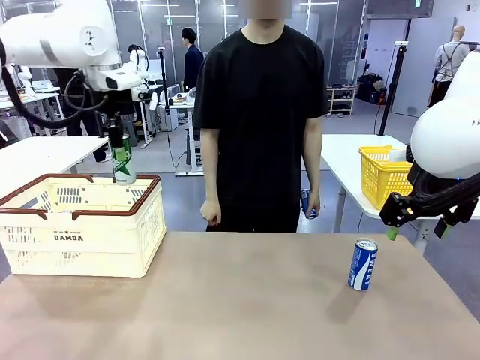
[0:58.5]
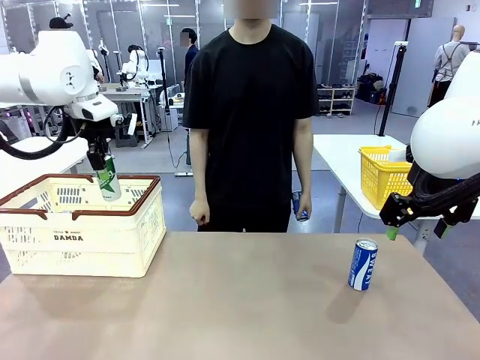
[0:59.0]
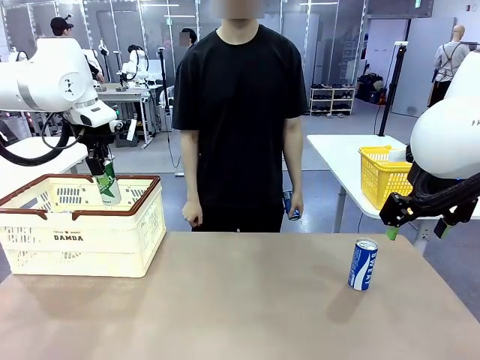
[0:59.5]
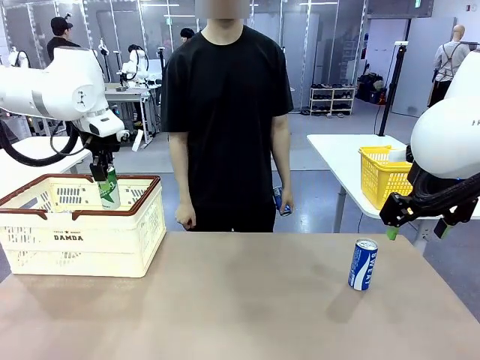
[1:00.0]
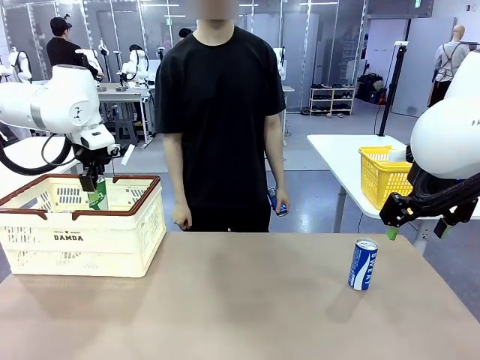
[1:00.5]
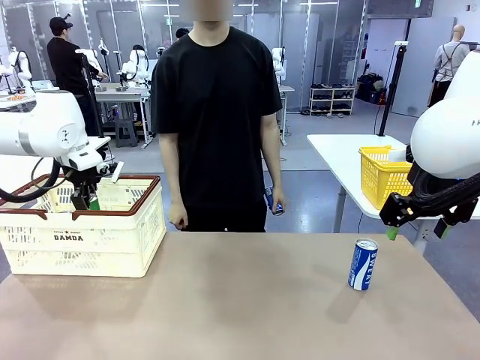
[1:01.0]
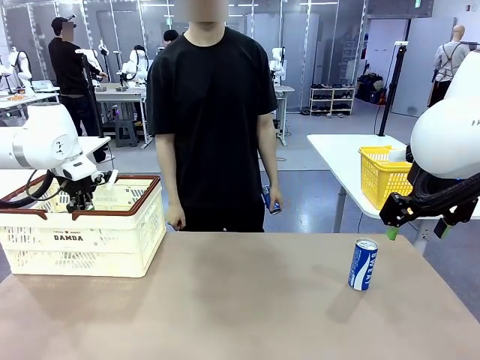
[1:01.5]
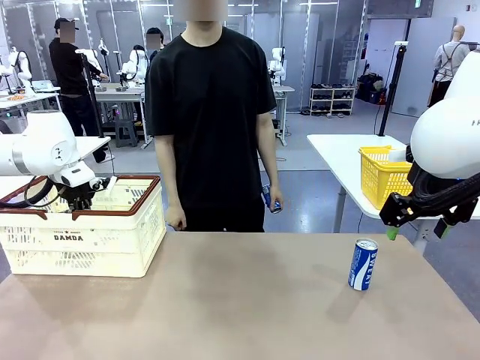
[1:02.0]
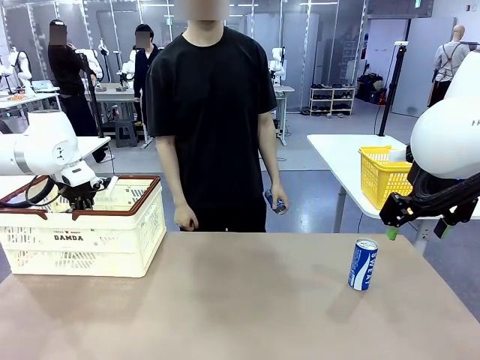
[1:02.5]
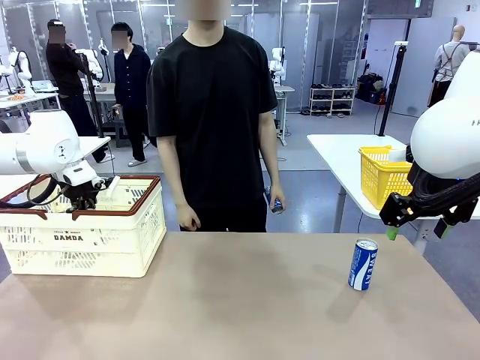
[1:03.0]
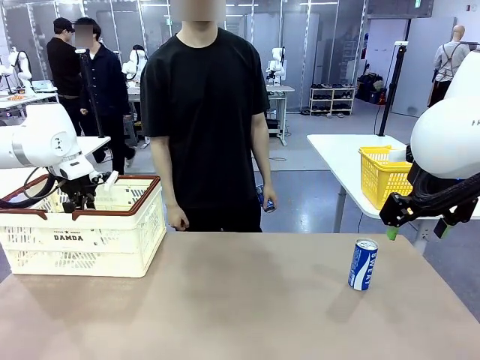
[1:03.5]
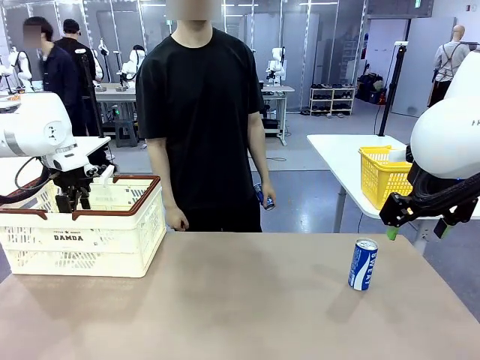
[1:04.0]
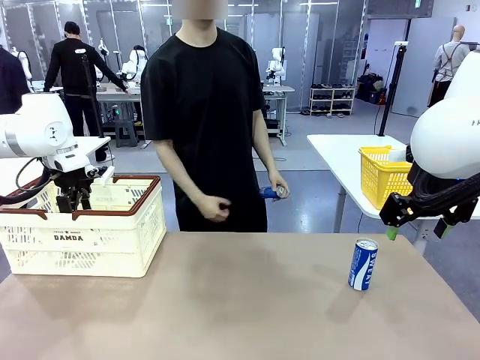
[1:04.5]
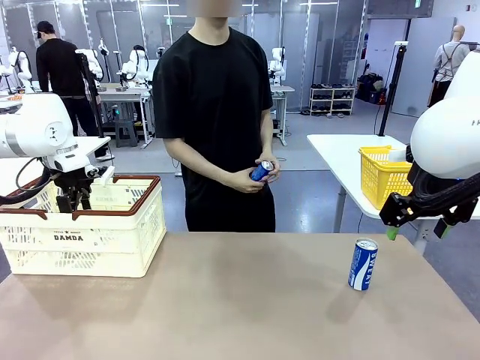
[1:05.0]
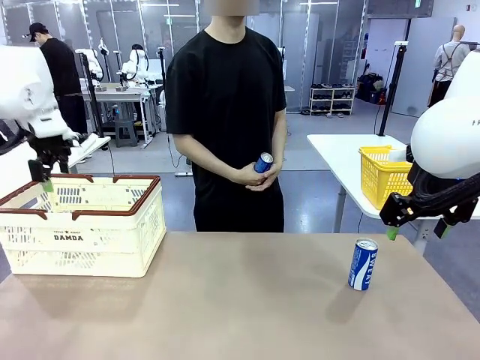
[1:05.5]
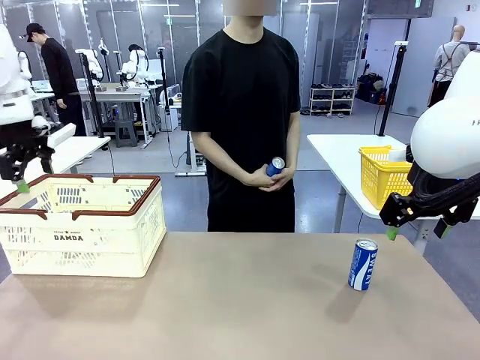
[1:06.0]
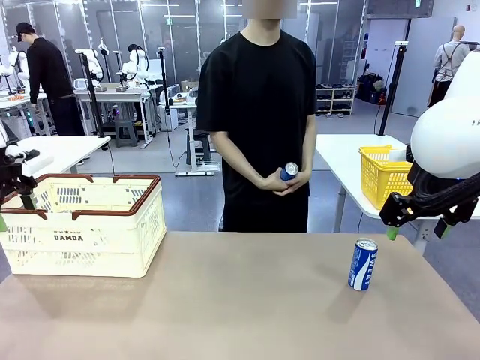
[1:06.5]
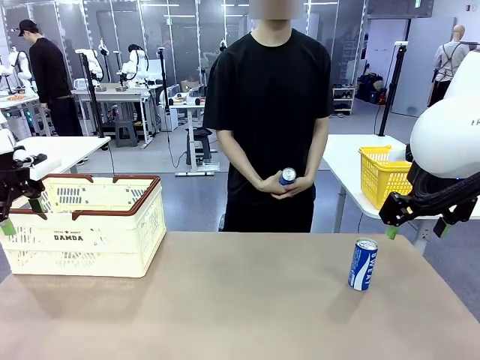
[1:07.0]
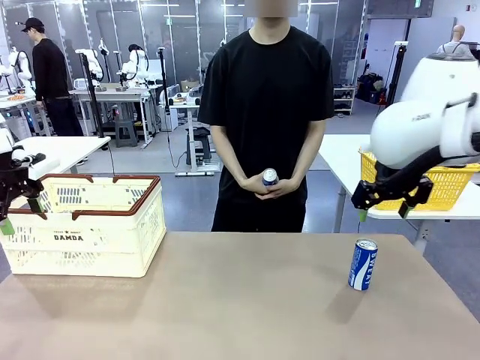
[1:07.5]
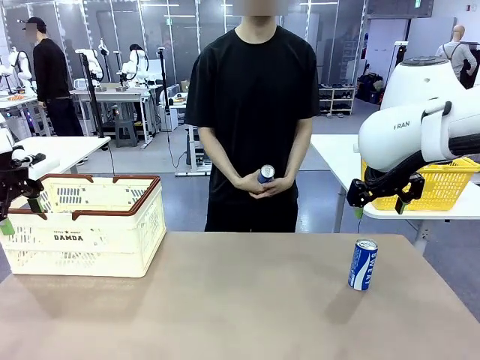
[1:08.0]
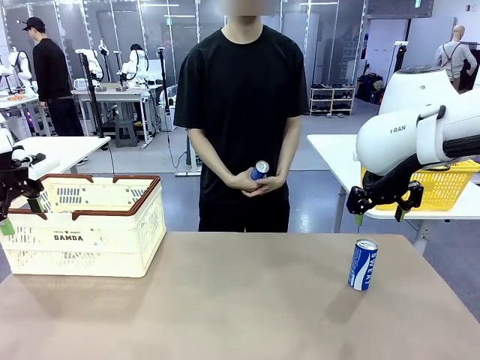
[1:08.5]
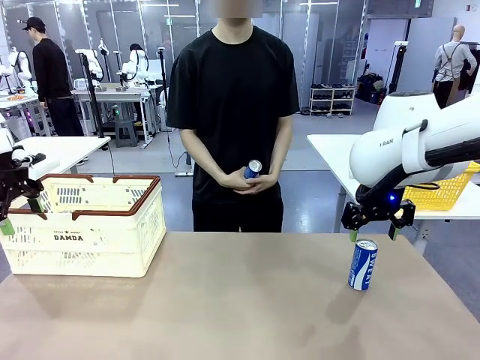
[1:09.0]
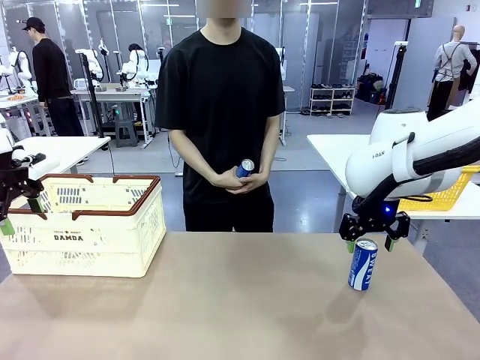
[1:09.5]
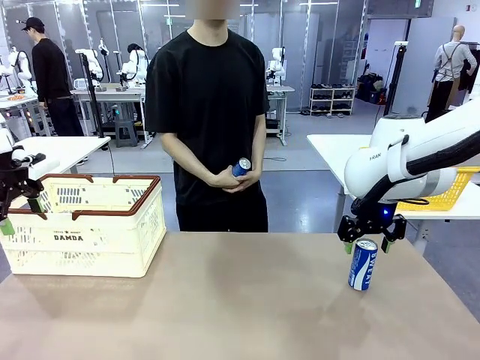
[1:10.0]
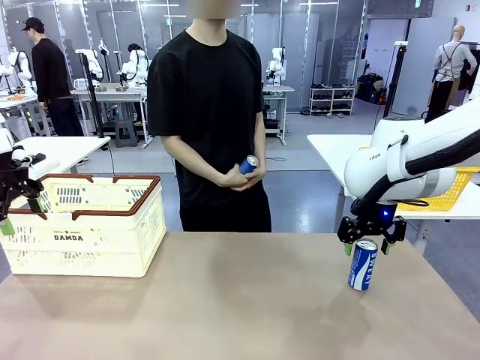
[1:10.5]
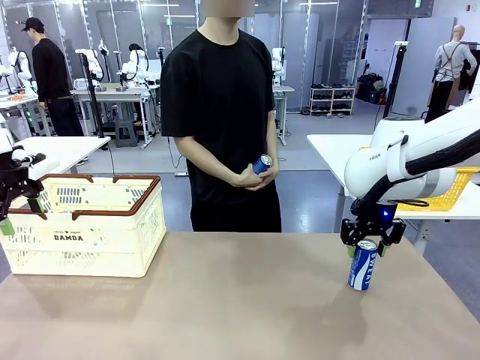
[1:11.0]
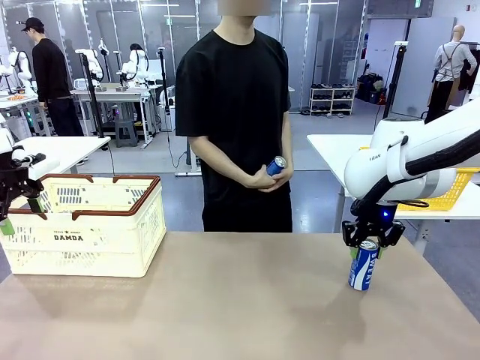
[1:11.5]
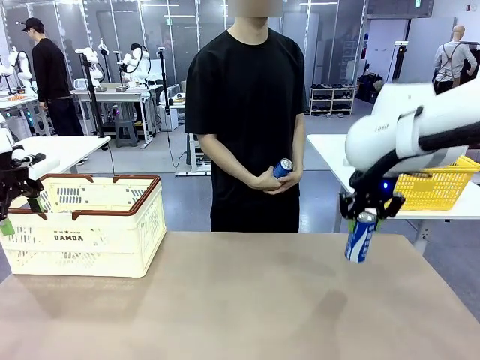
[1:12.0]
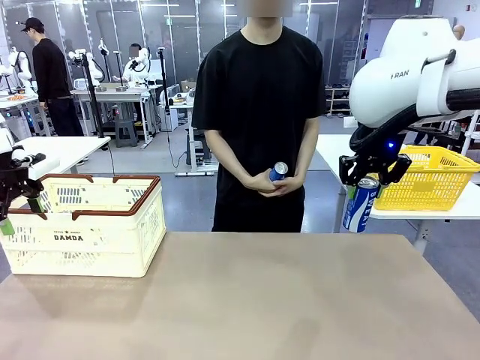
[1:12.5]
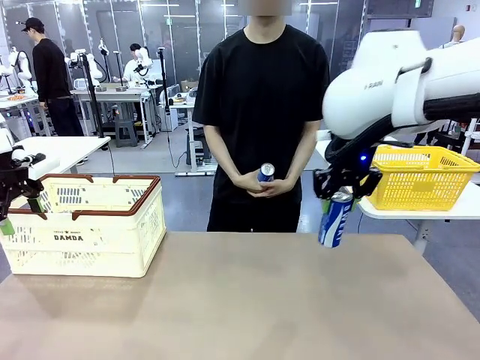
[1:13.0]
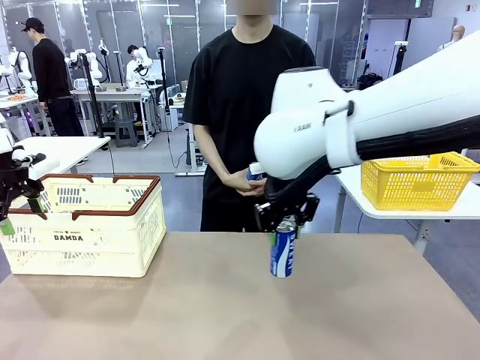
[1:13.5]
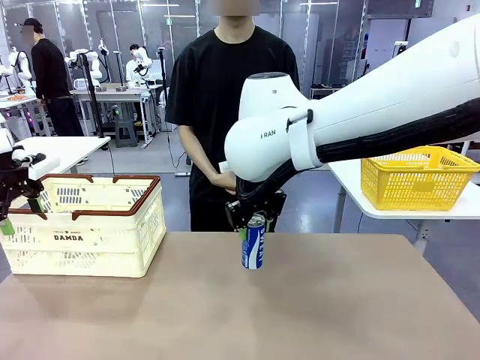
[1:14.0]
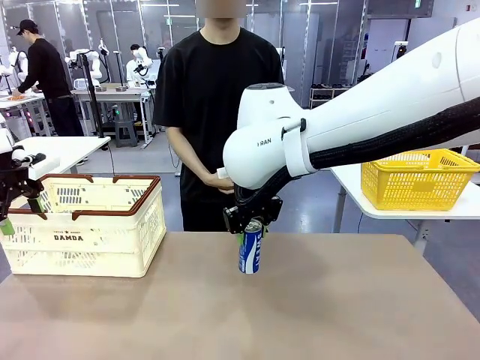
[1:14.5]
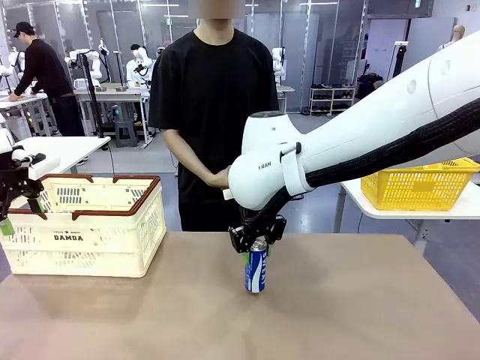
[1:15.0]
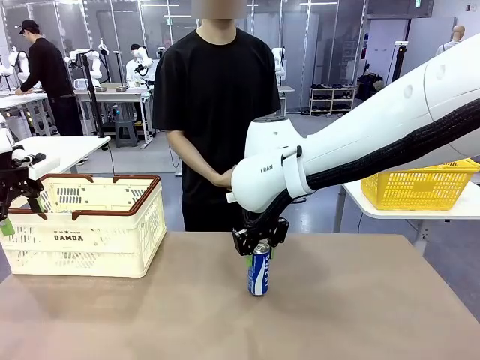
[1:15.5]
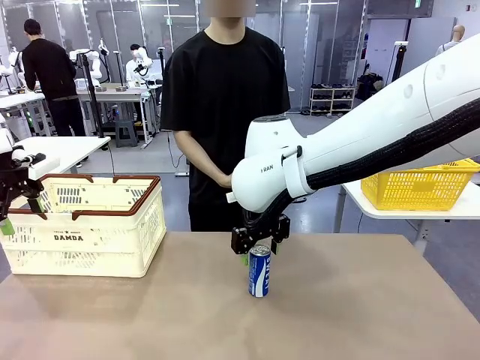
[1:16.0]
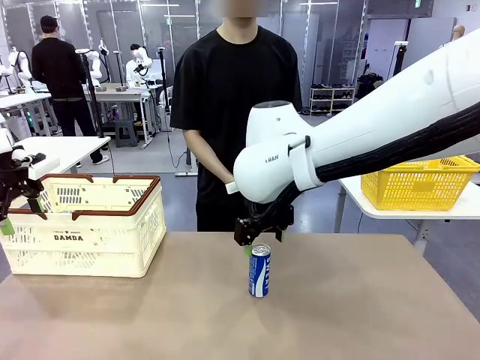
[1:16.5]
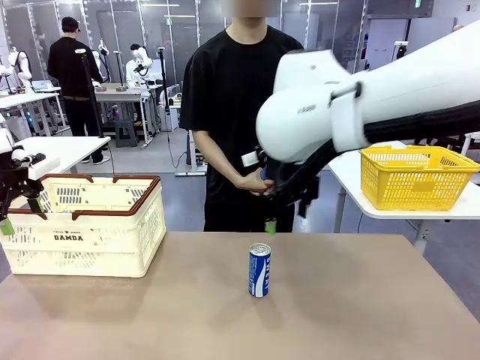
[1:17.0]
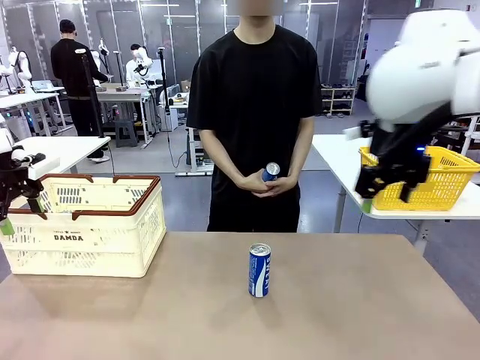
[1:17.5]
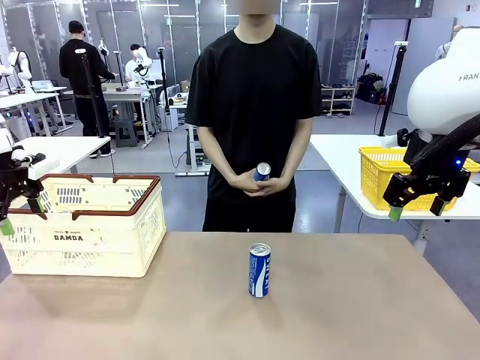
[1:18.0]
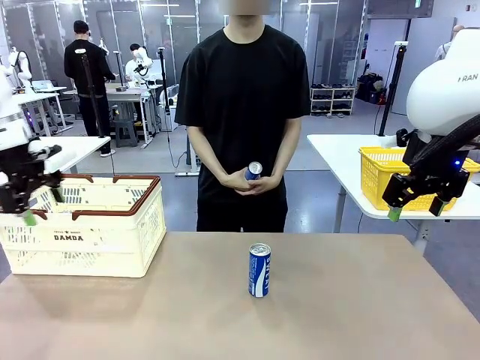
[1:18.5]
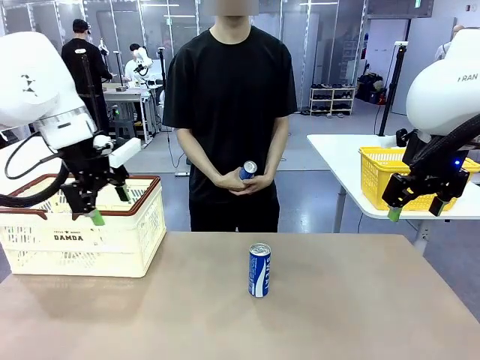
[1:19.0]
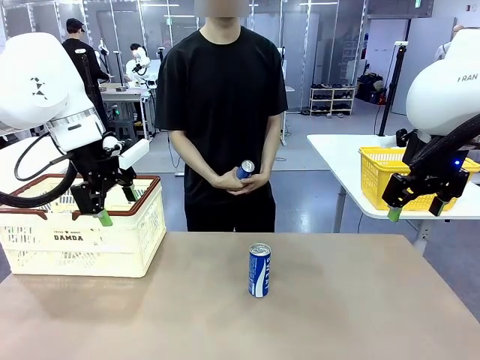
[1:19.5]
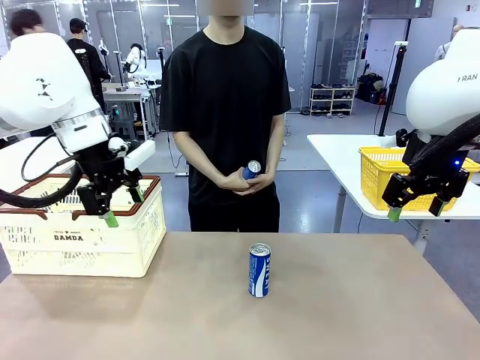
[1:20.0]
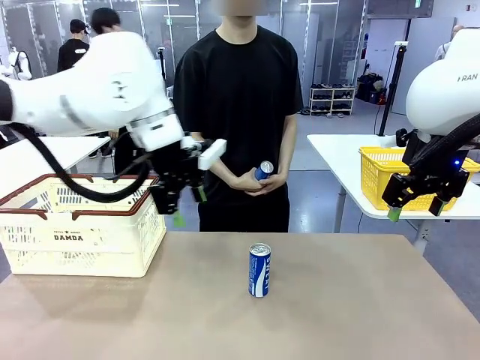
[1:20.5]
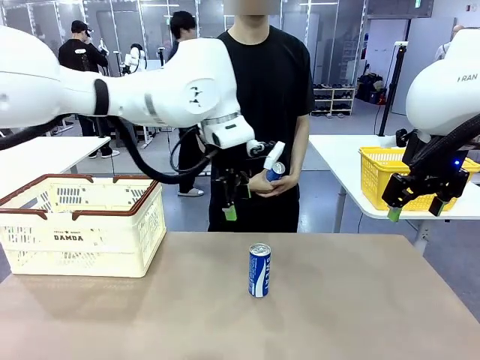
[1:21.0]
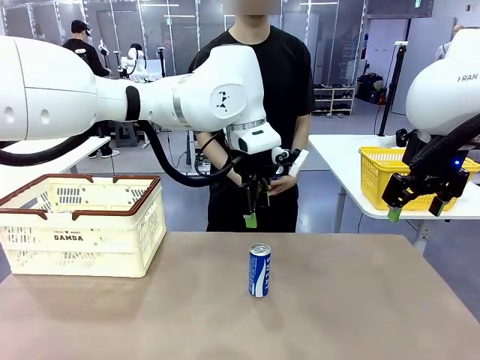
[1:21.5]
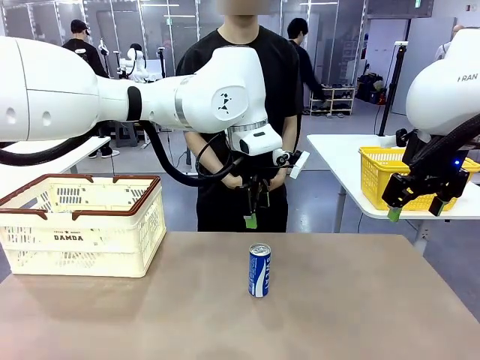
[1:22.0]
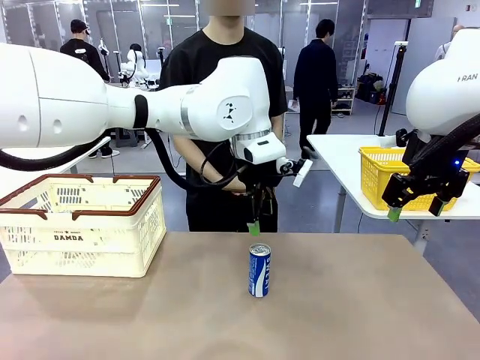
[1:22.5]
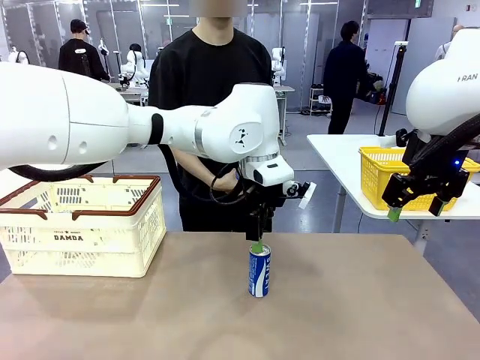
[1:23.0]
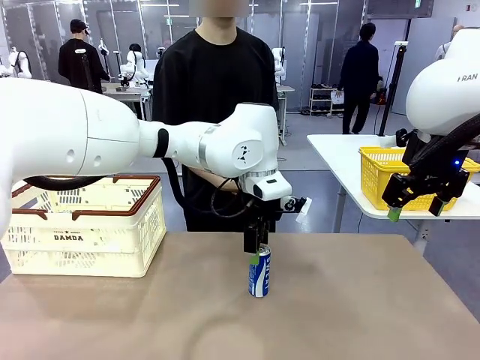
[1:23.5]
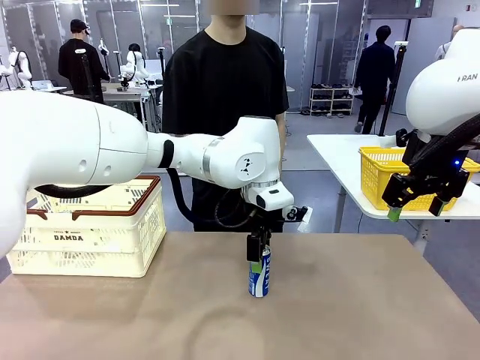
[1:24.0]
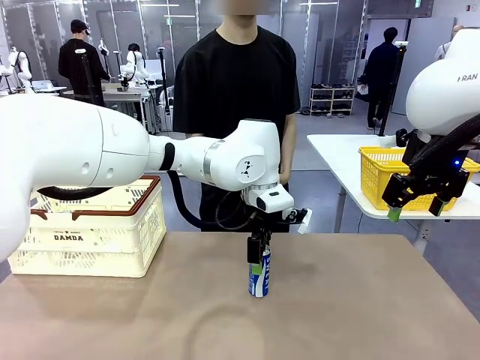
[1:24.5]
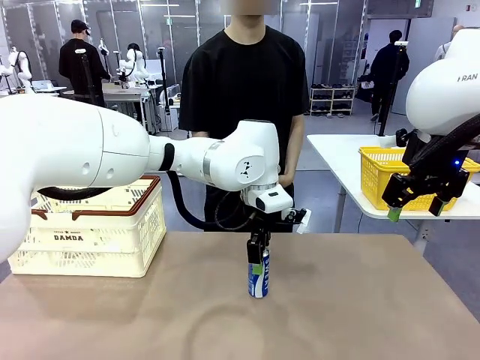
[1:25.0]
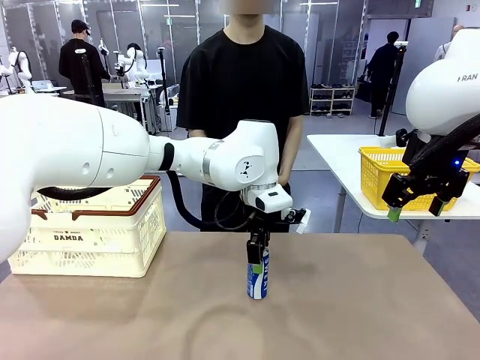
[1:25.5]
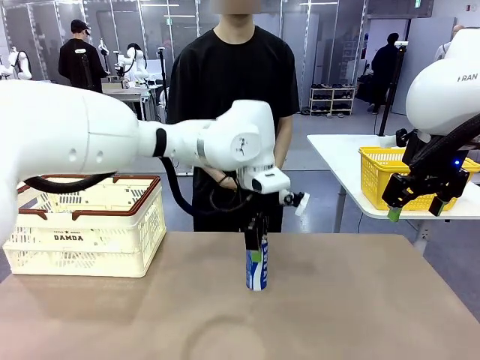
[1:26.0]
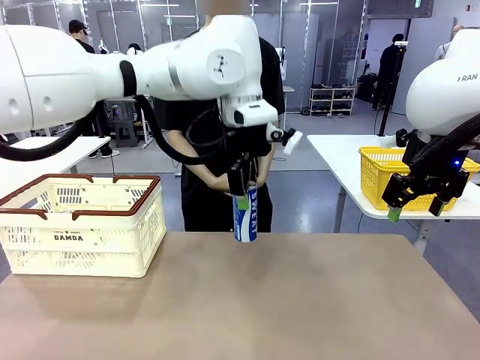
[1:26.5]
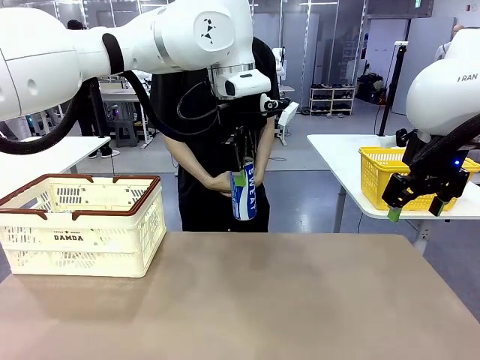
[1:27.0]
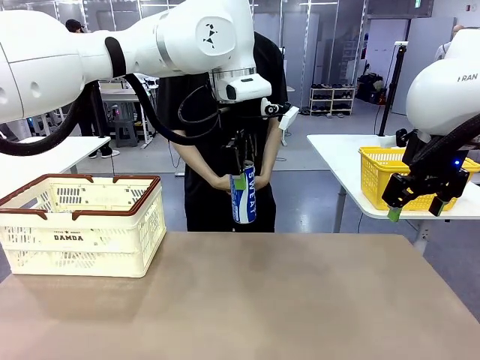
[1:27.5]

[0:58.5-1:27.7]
Task: Place the drinks into the Shopping basket.
Robot: Pick up one drink and place it into the Shopping basket.
